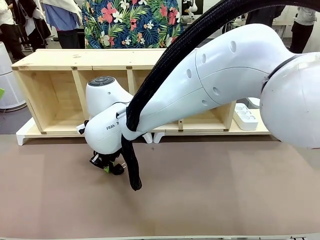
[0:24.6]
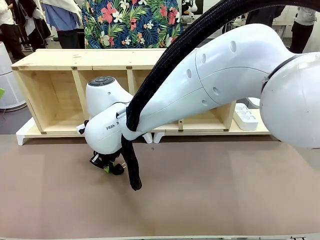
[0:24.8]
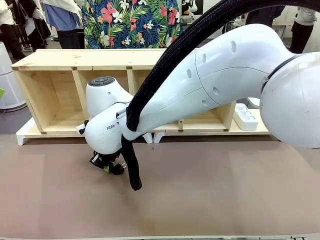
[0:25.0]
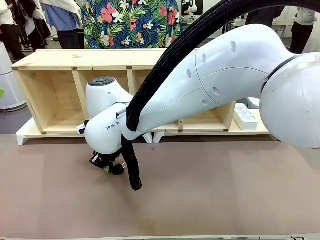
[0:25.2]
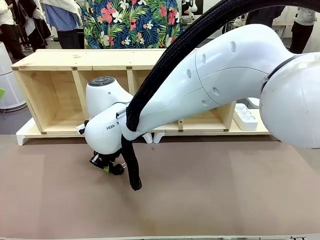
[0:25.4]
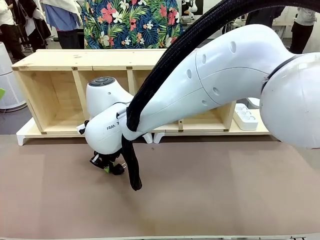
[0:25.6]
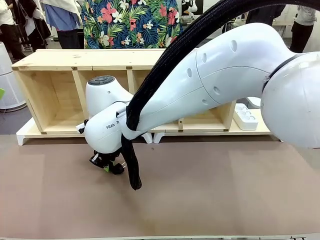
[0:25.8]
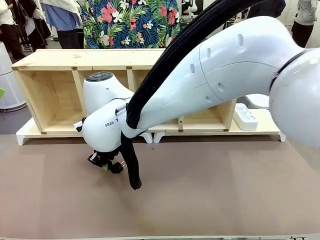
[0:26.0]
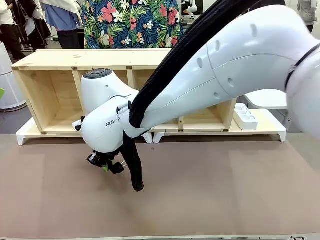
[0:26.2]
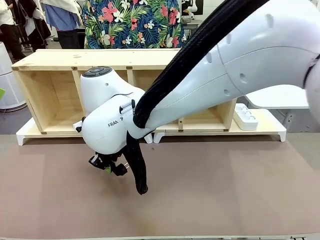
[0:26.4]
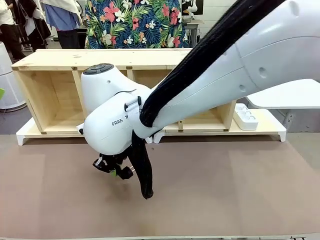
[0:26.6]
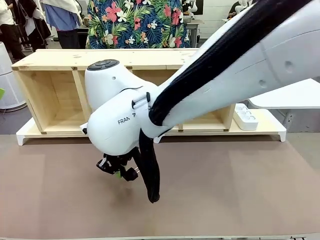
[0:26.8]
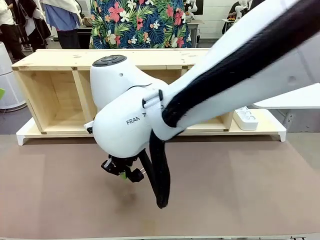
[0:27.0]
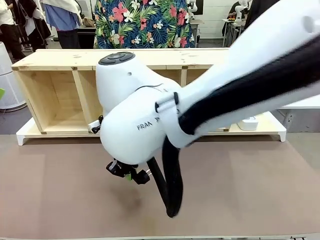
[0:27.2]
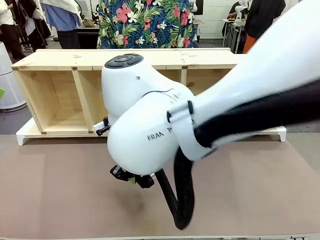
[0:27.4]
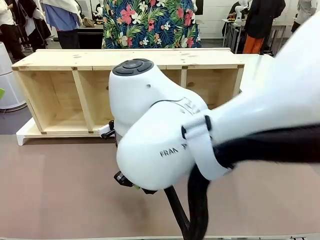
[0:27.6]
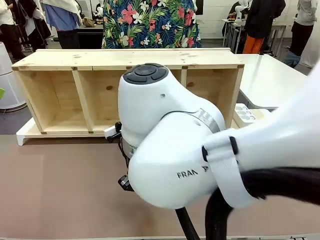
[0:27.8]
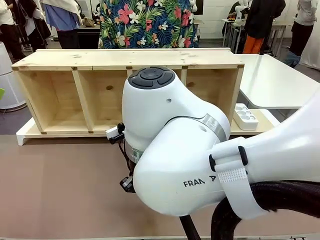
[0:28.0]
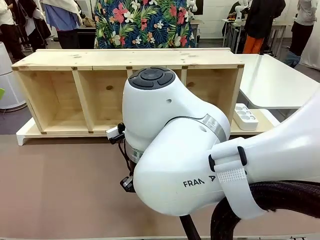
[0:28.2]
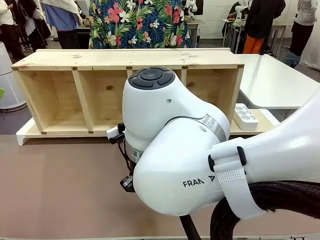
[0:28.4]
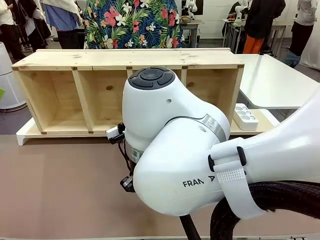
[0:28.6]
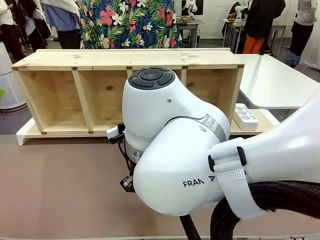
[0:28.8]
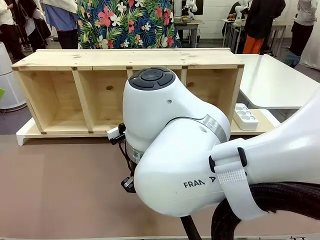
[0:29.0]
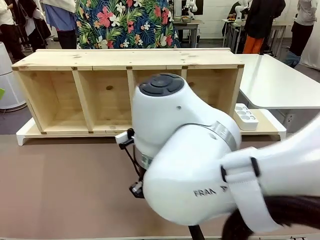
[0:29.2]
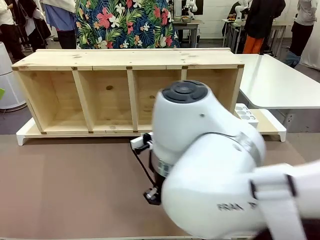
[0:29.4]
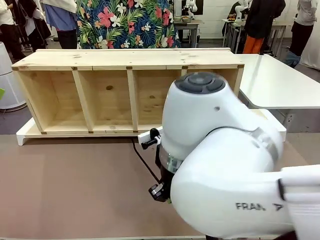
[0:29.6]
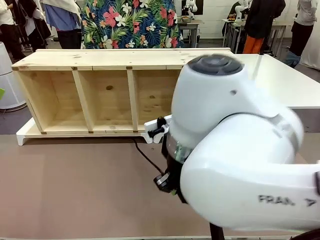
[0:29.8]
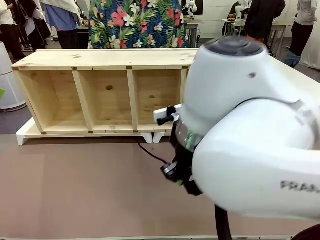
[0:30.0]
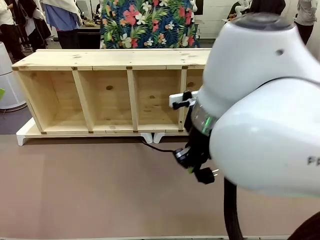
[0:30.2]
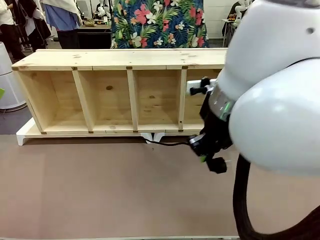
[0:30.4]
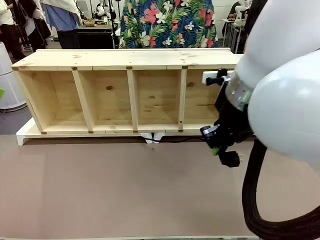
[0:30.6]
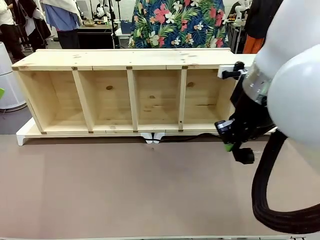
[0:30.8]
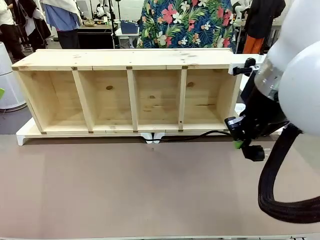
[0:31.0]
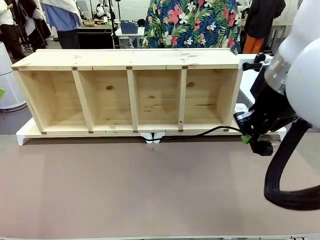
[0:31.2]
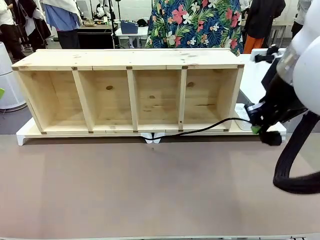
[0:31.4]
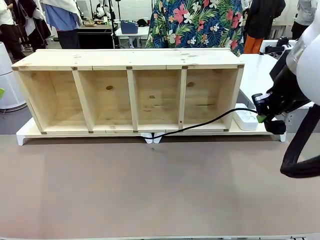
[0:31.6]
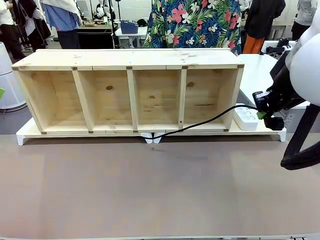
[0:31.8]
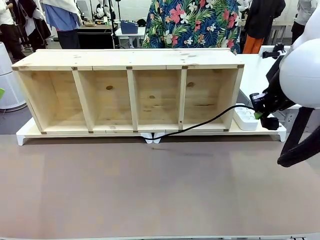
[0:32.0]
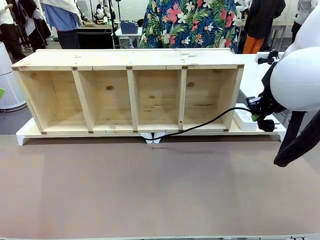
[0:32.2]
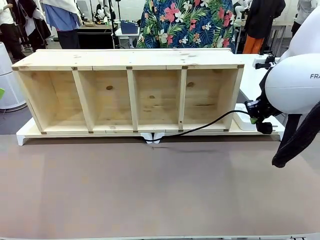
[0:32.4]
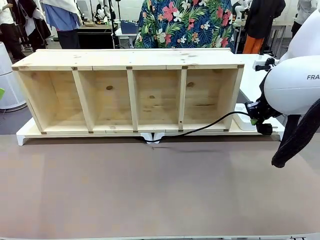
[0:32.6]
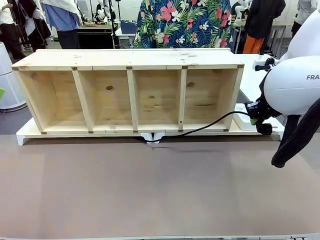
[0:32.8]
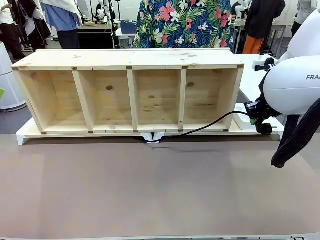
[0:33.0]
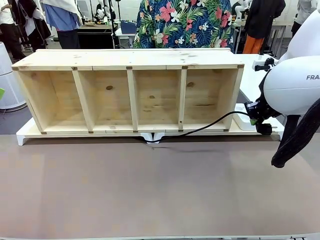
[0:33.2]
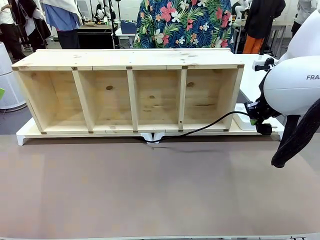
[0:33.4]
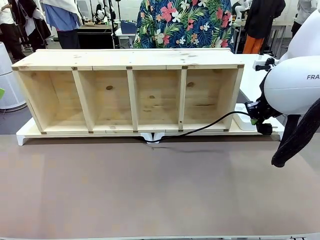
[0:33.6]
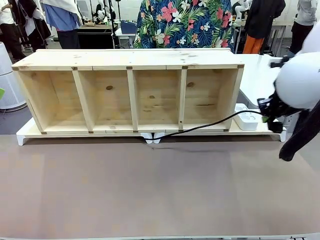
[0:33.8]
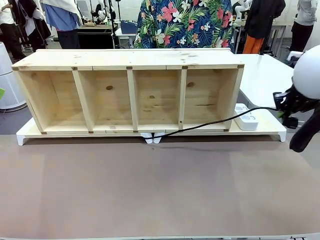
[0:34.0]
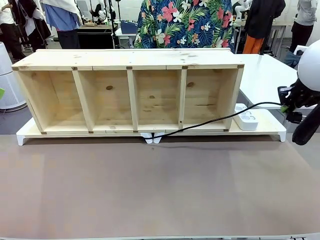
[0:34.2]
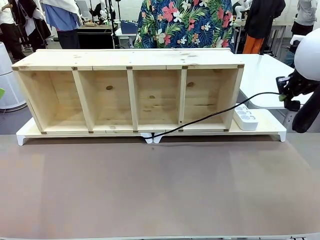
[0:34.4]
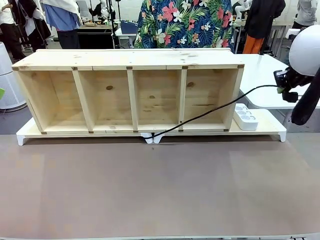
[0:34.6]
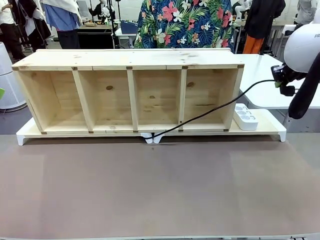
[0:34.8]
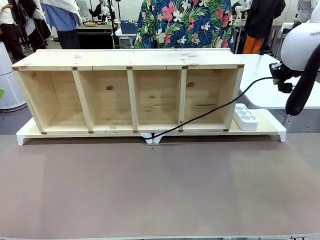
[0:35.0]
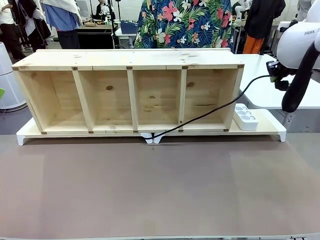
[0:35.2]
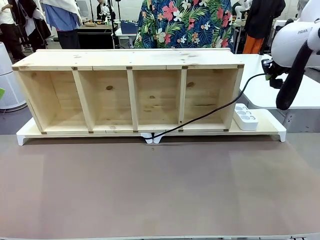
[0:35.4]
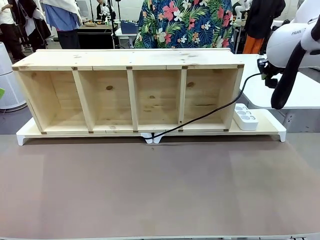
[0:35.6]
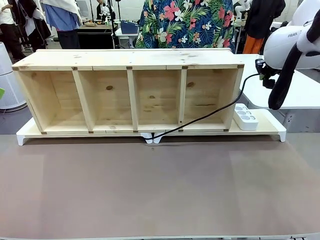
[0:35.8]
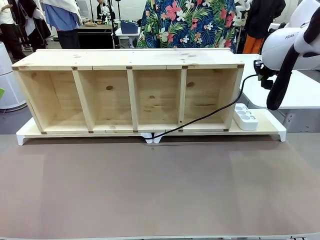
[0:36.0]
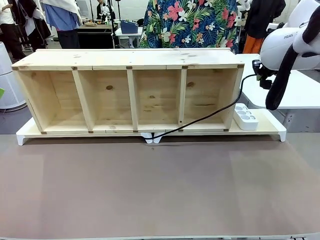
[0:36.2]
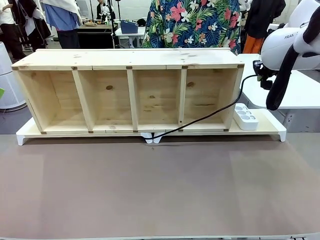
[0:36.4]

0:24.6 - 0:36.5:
Task: Perform cable management.
Robot: Pull the grasped Power Cable to the location of the Power Strip.

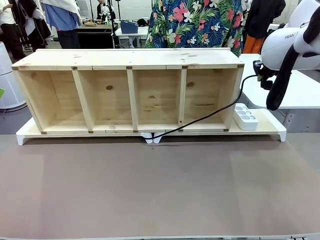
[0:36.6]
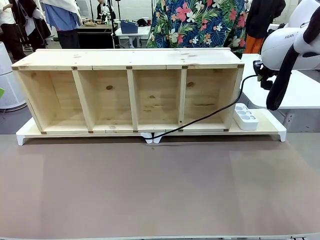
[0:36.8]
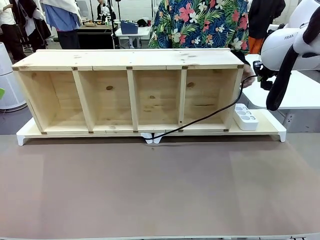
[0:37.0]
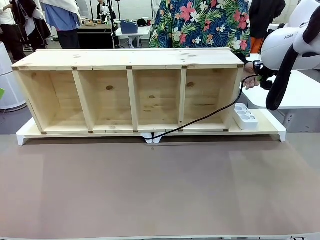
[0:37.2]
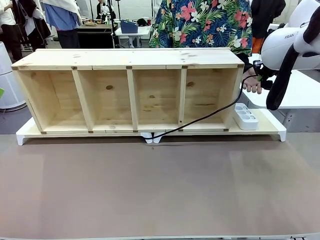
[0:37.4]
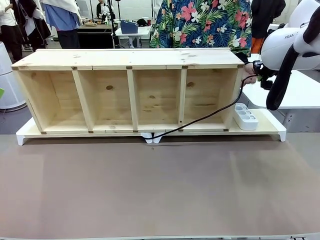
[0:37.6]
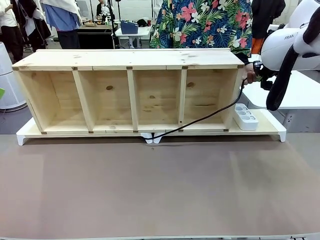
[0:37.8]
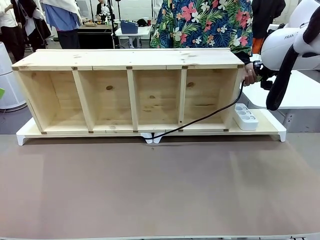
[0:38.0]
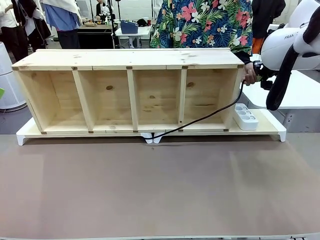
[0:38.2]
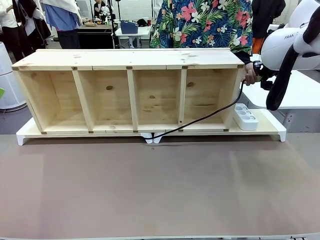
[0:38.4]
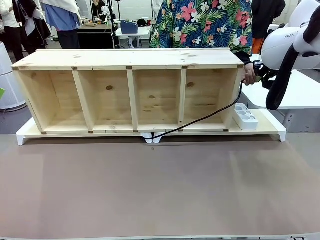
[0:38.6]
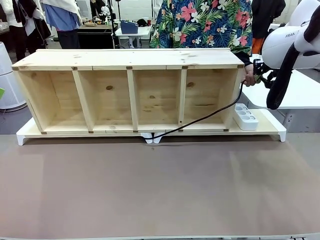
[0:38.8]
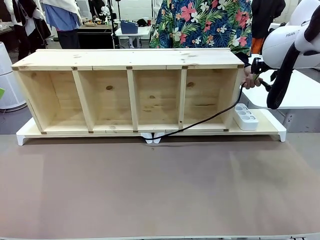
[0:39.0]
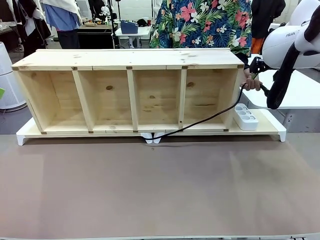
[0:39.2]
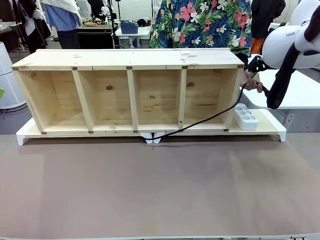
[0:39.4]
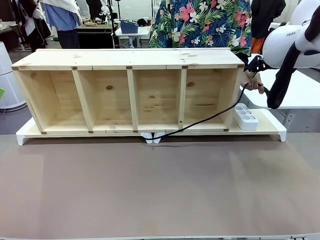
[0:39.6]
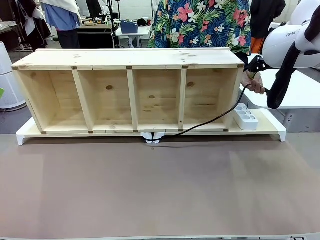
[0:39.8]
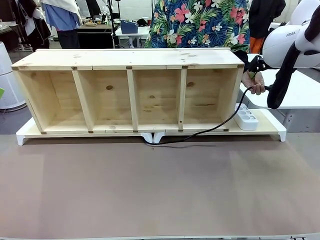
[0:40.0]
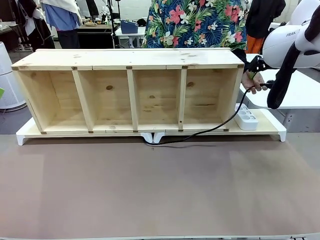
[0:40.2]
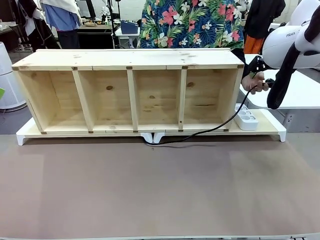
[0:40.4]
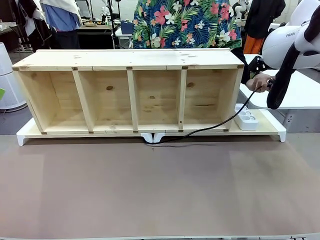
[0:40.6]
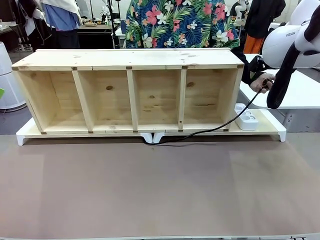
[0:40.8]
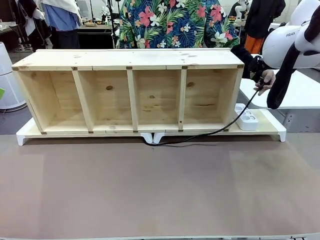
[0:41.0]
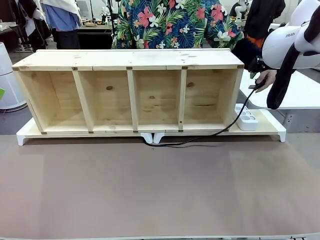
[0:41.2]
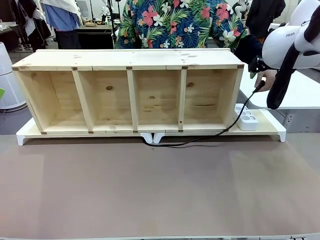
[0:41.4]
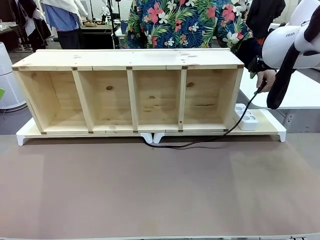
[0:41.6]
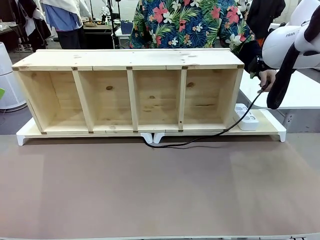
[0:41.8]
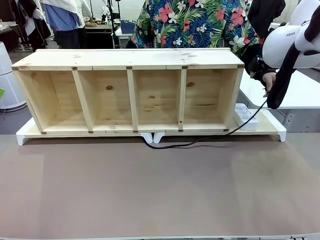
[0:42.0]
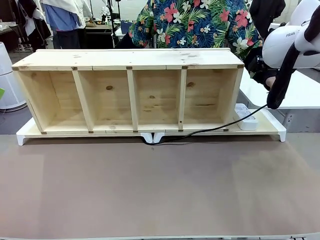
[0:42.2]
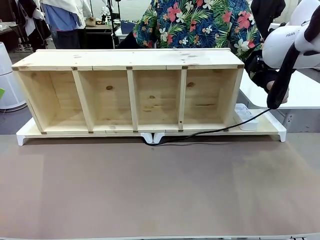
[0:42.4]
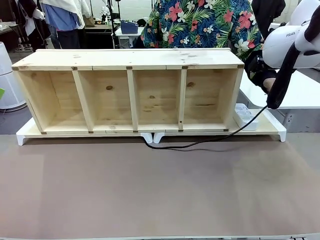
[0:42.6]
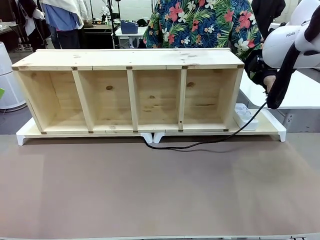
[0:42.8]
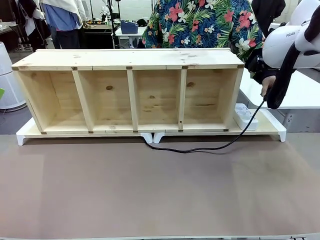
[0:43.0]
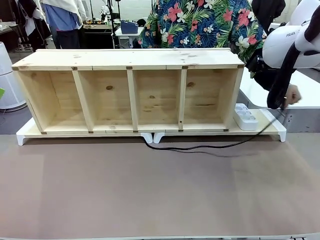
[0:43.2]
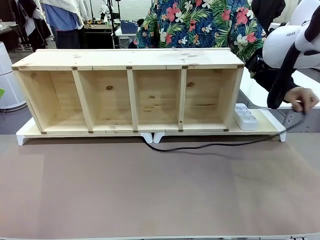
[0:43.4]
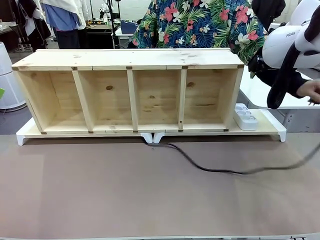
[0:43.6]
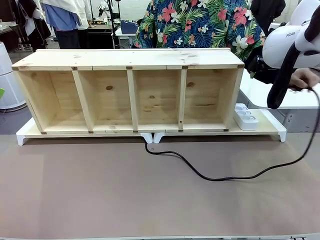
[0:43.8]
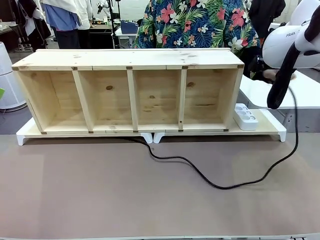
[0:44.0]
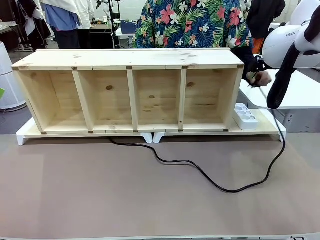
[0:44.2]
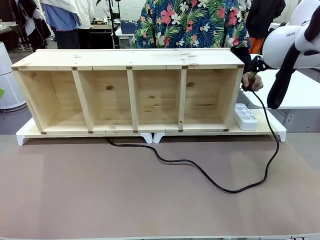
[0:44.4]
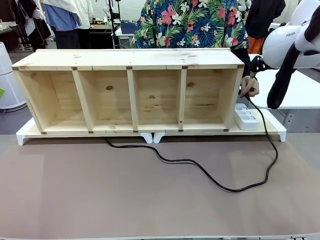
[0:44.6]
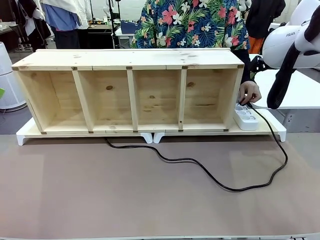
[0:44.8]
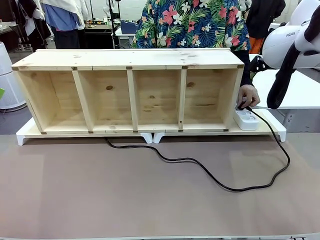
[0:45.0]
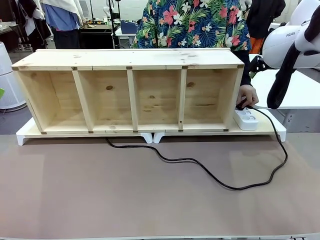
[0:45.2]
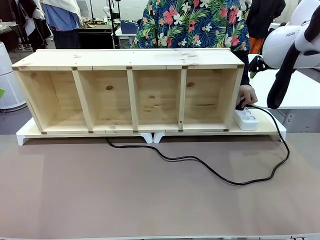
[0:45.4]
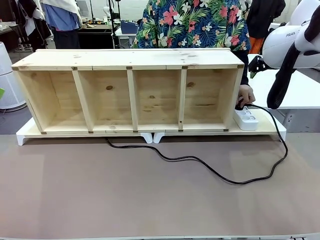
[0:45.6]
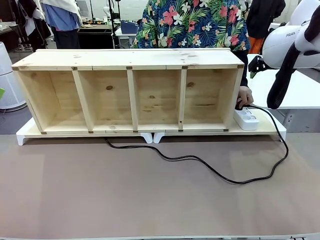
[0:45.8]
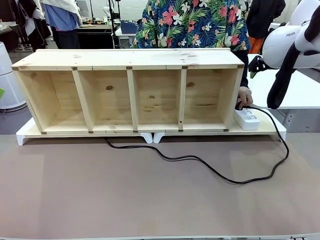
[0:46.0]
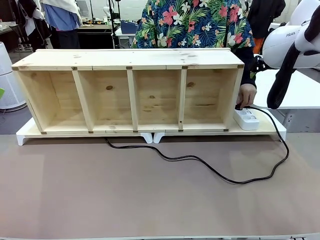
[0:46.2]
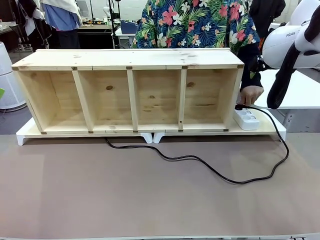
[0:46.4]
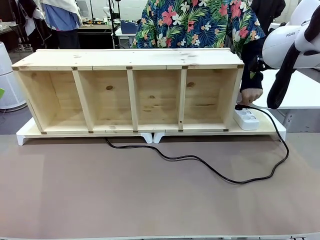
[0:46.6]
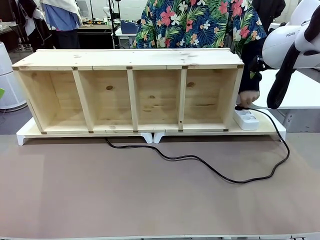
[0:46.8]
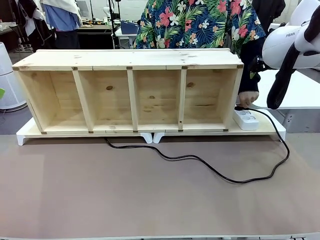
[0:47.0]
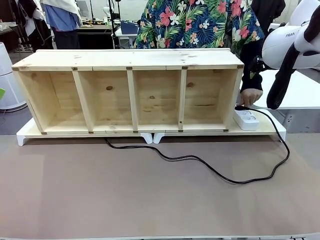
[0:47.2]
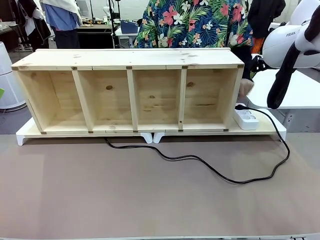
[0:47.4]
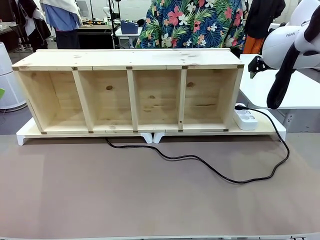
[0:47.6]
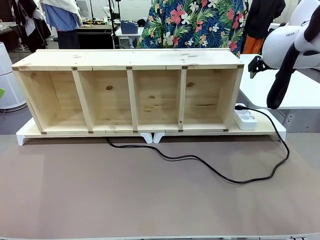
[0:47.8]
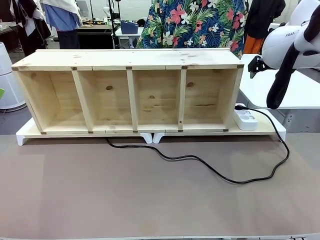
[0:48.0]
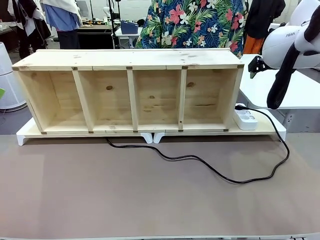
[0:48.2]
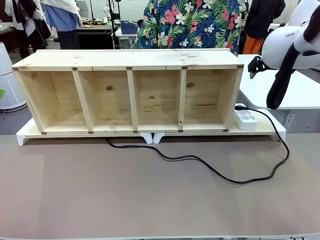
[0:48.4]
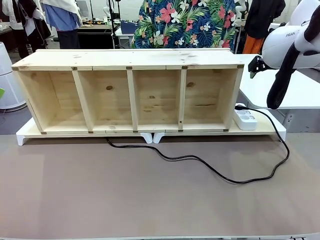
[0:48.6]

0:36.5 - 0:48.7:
Robot: Release the Power Cable when the human grasps it.
Person: Plug the Power Cable into the Power Strip.
